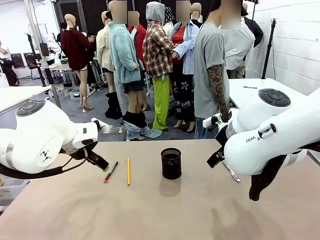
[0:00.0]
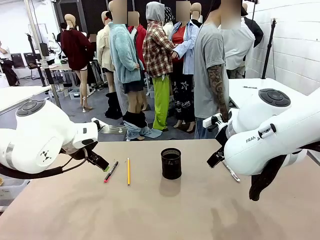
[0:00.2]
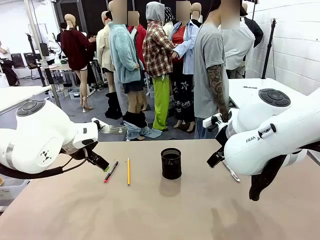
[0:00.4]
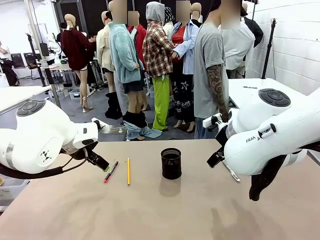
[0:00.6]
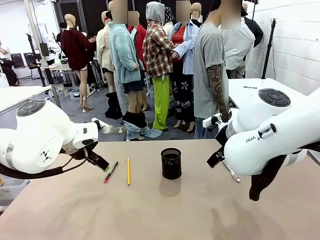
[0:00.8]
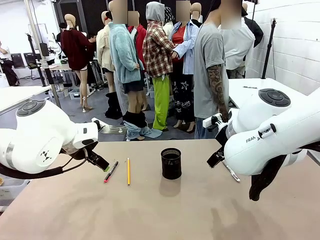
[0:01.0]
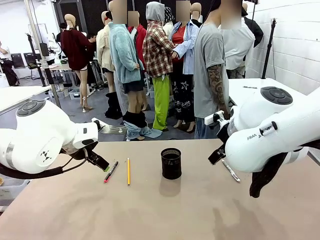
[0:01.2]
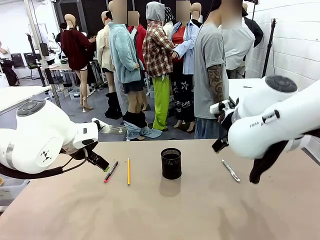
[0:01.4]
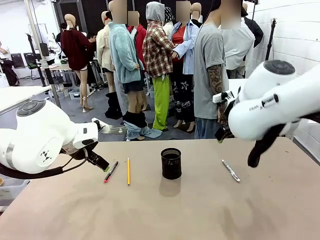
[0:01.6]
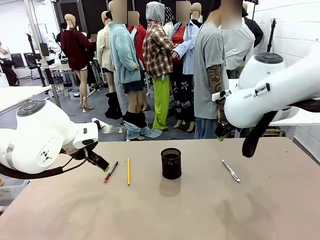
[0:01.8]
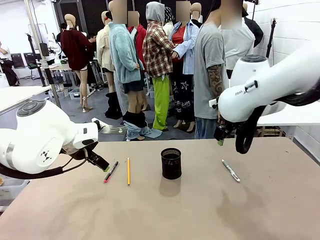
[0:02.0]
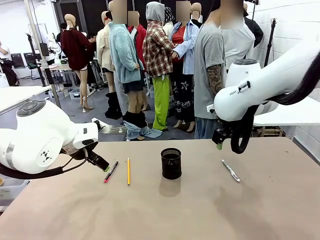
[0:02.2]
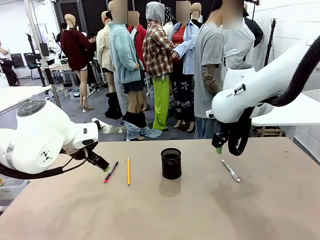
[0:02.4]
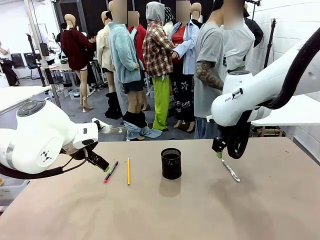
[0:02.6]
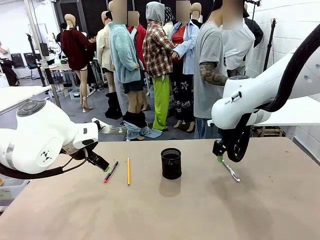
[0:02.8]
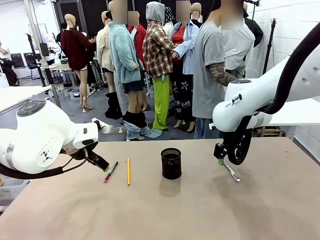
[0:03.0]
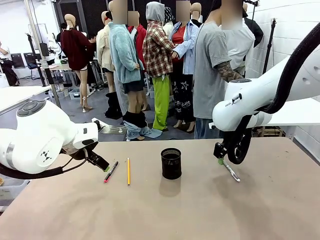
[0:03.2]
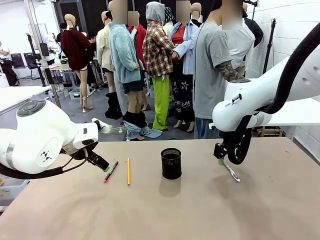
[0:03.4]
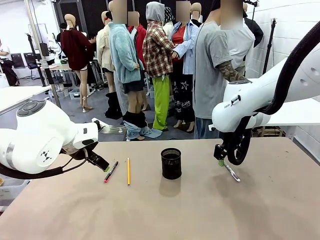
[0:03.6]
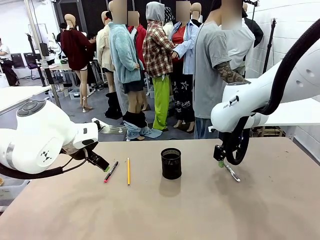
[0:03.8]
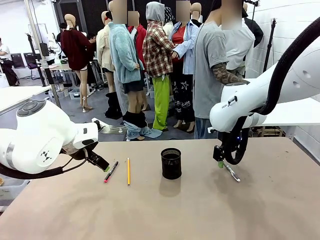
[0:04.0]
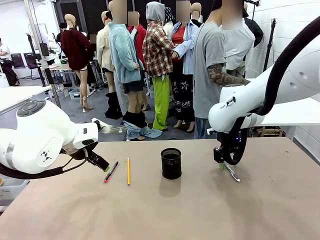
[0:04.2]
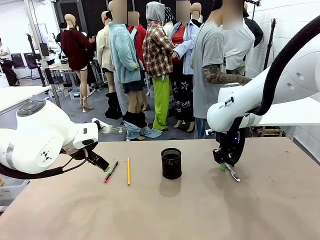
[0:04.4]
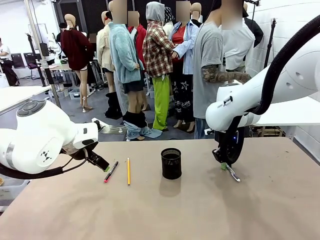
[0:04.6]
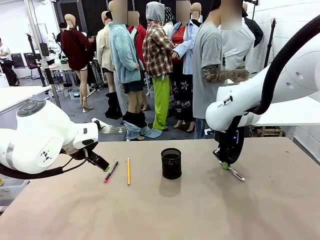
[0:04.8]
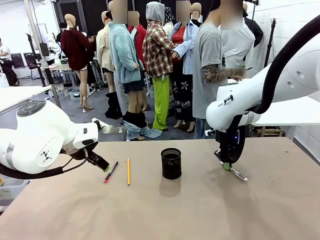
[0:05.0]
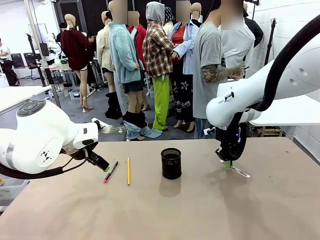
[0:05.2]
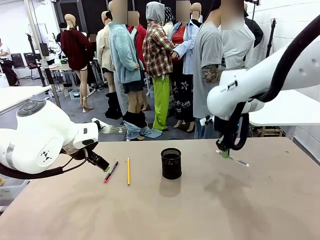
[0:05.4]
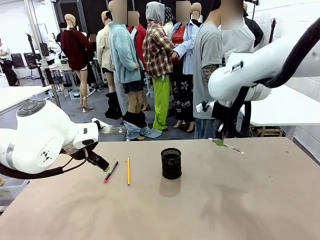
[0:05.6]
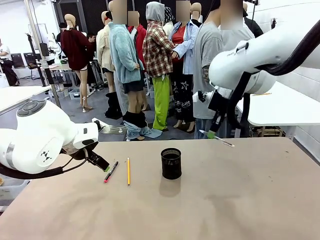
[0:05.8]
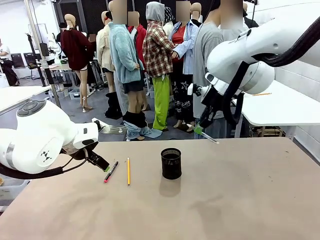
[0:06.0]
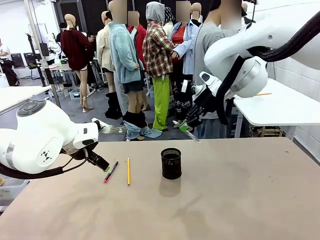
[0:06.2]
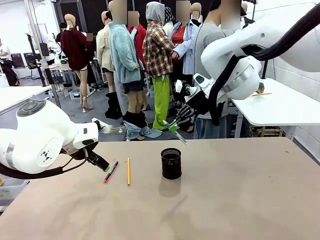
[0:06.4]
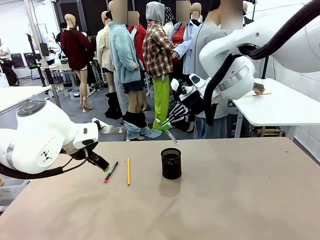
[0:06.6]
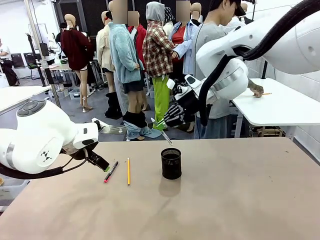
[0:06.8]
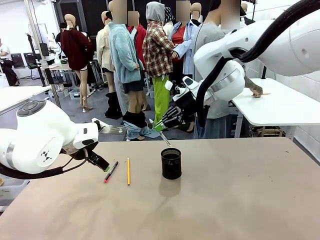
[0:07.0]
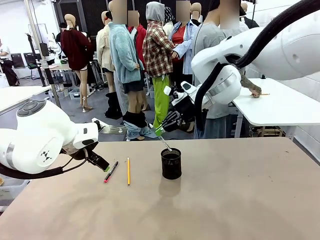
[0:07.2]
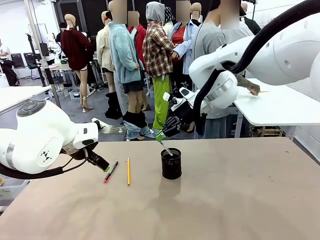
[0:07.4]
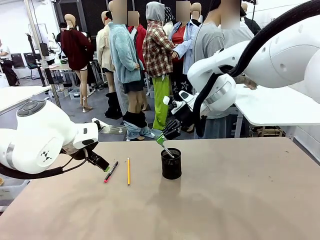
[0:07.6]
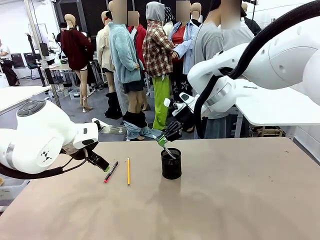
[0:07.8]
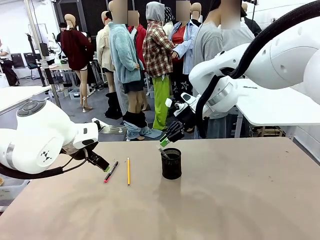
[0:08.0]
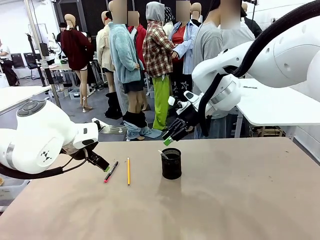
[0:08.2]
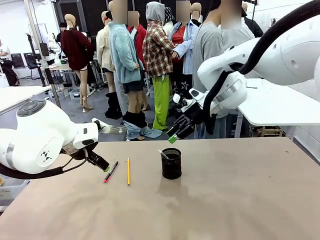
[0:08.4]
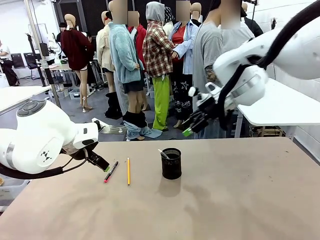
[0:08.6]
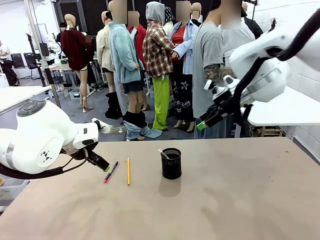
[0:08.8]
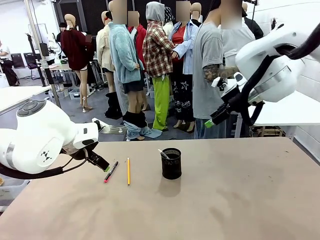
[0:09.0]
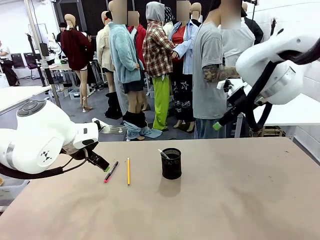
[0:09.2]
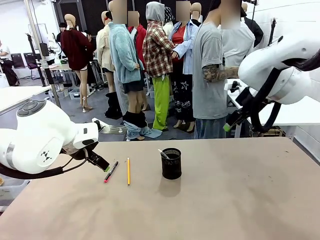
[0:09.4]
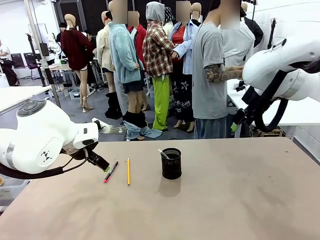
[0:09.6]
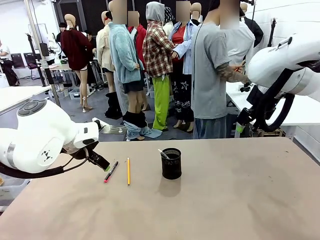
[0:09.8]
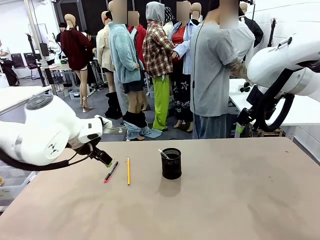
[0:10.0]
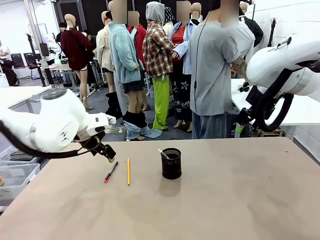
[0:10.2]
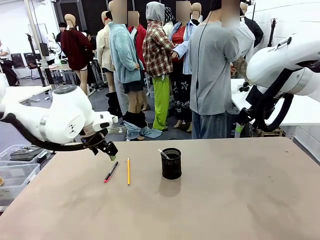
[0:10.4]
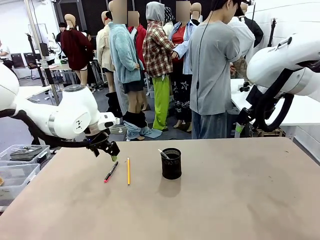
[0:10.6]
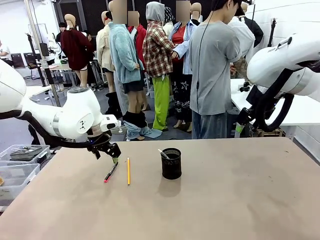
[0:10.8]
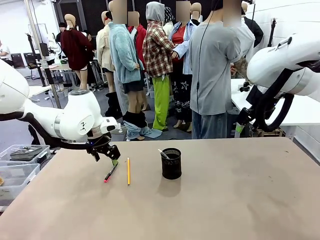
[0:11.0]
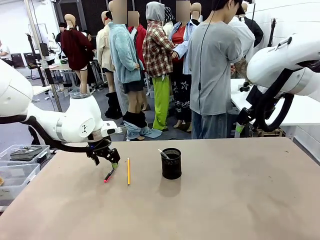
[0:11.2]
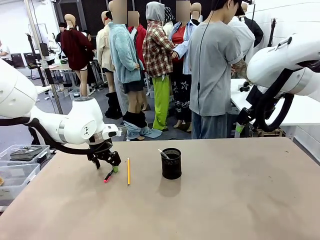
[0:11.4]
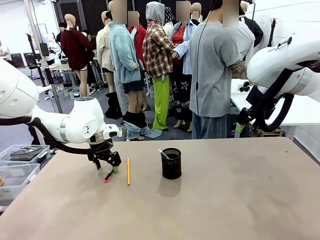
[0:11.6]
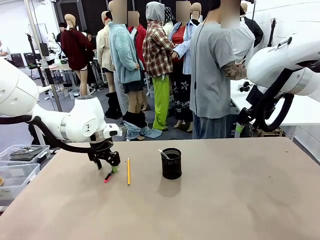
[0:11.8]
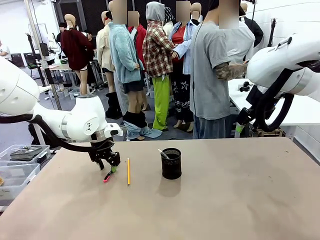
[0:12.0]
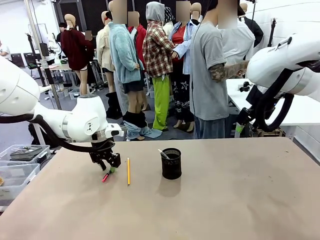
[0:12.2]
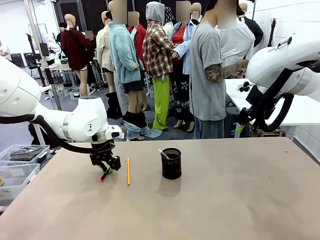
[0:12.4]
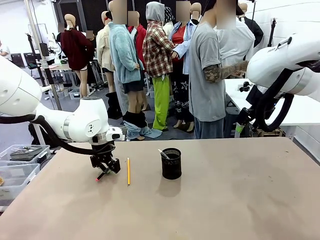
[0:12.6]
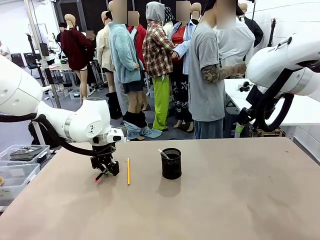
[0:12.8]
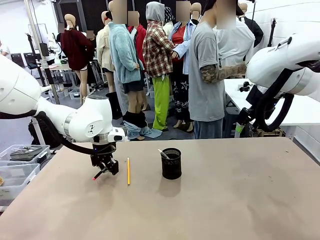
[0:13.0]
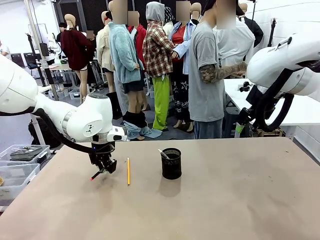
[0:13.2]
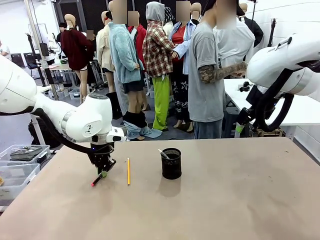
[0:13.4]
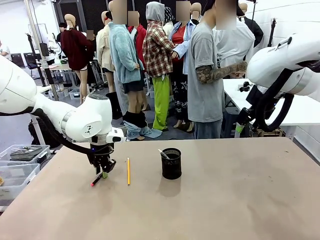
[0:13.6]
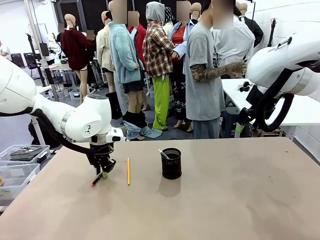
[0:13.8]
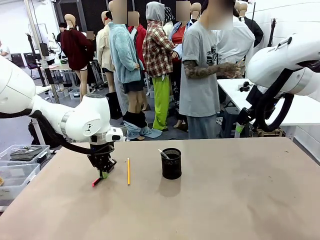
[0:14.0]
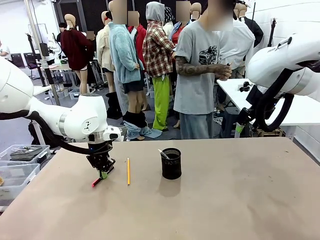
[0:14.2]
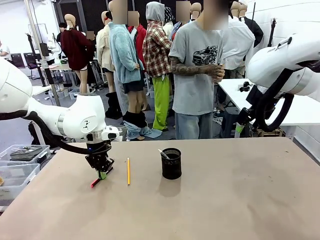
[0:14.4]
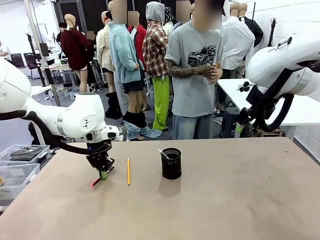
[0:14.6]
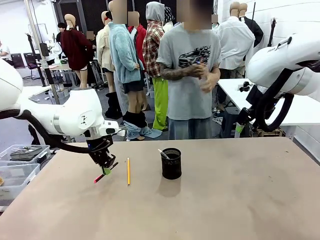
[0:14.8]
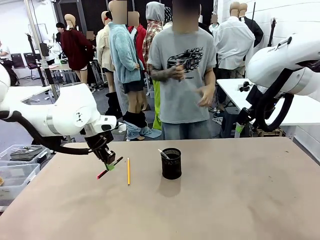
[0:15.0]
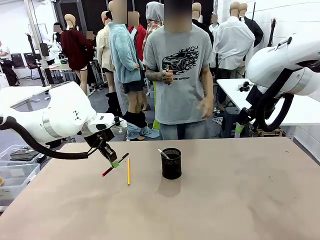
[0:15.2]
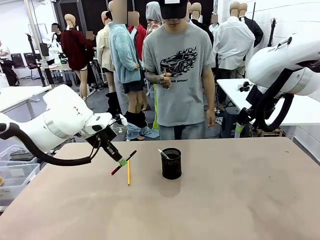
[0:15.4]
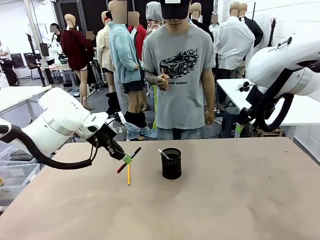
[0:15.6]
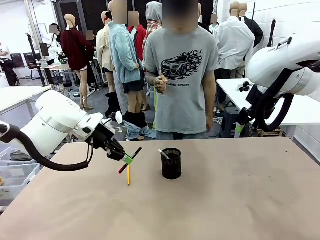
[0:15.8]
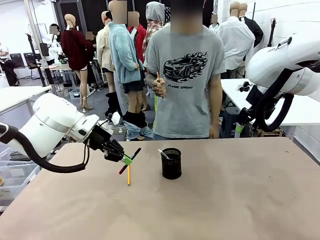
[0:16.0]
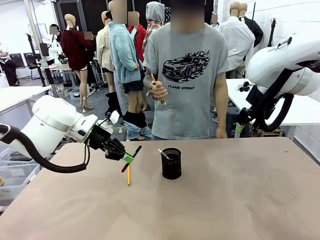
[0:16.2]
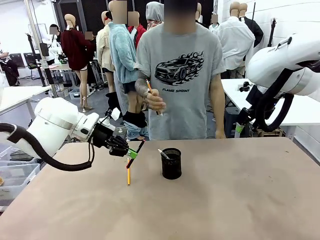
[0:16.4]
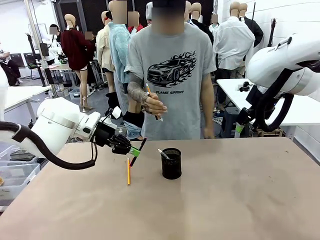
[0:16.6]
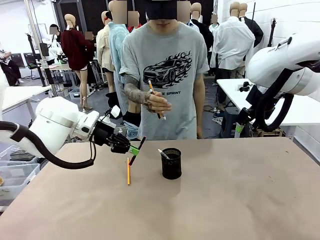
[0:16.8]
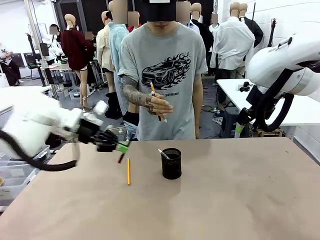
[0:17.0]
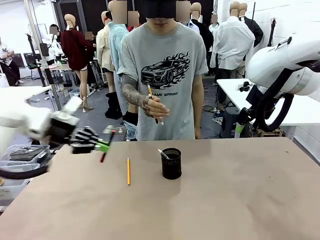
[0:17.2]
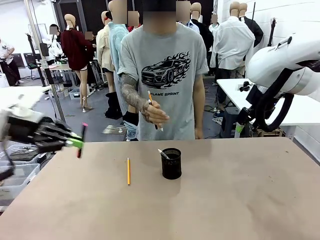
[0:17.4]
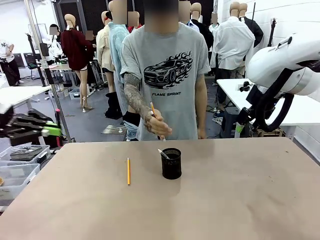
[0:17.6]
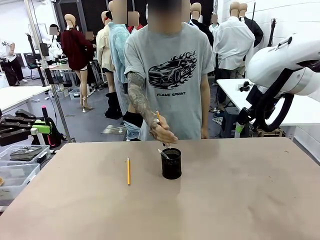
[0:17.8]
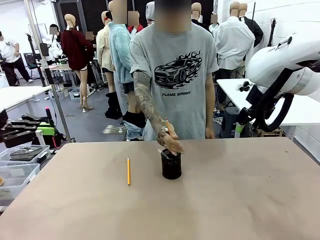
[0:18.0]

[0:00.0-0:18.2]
Task: Place the pens into the pen holder.
Robot: Pick up a writing instrument from the table and place it into the Pen holder.
Person: Pick up all writing instruments from the Human table.
